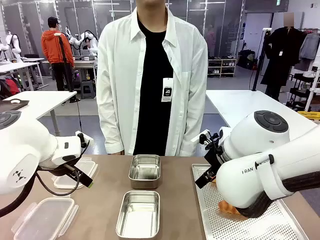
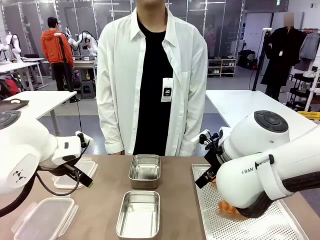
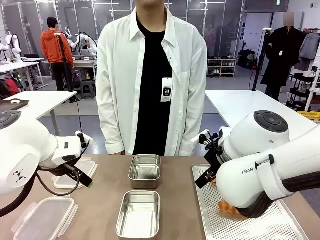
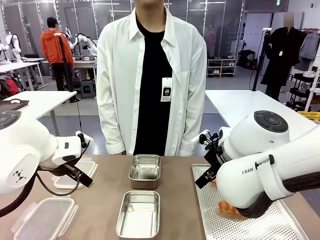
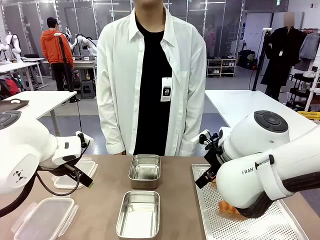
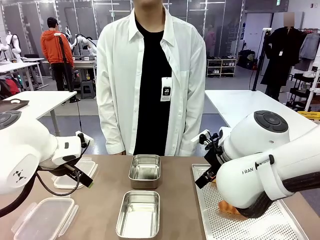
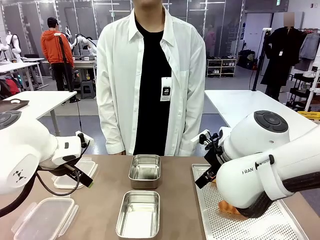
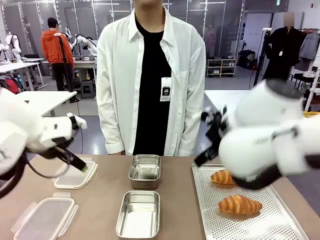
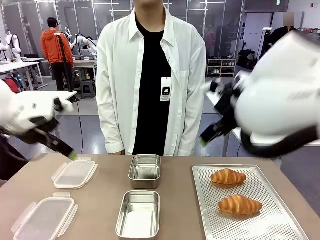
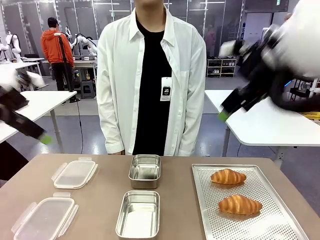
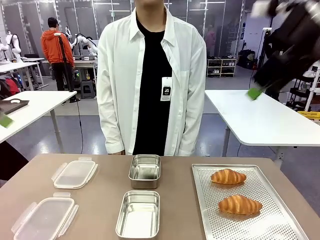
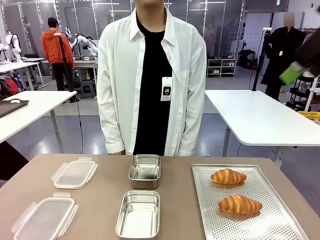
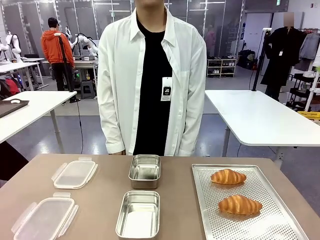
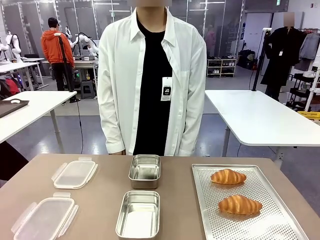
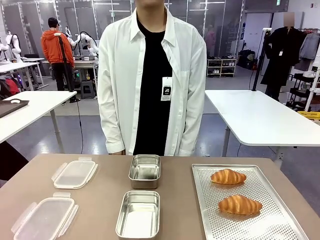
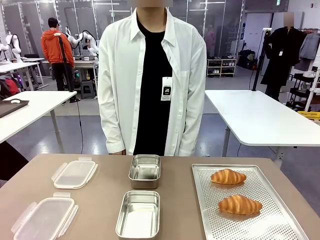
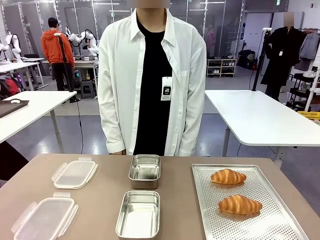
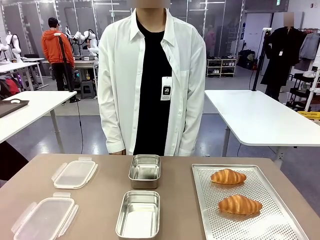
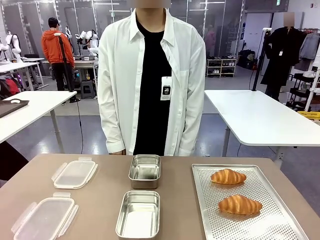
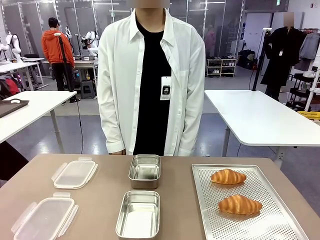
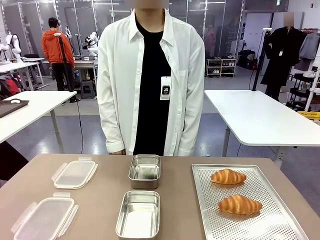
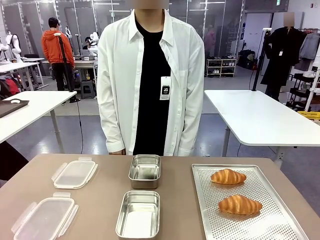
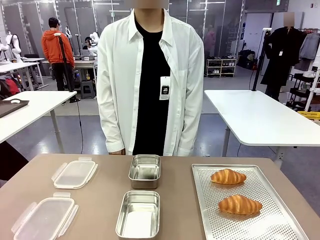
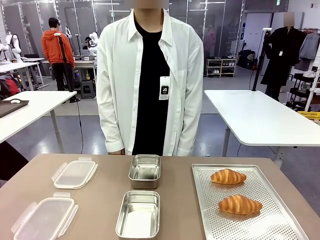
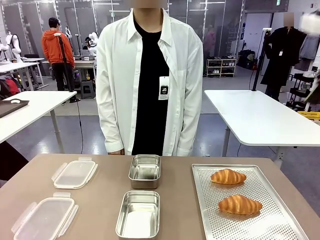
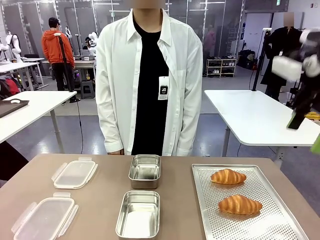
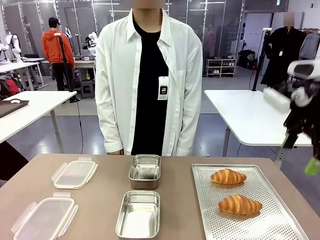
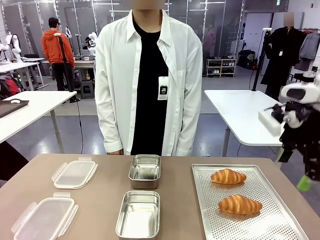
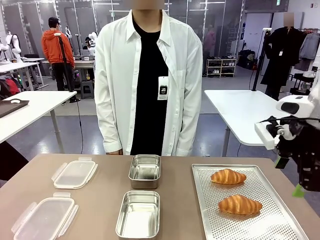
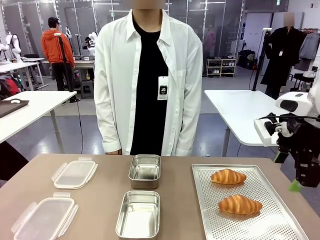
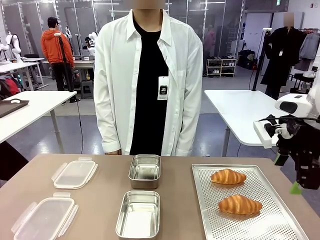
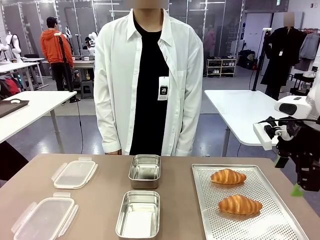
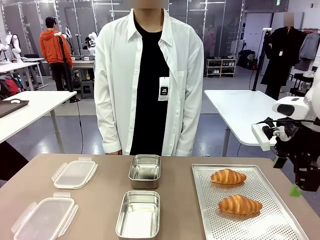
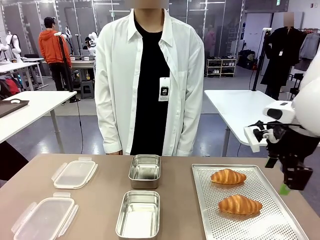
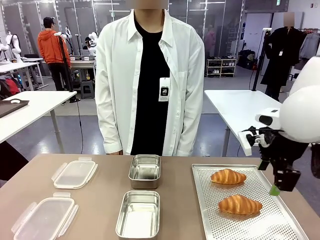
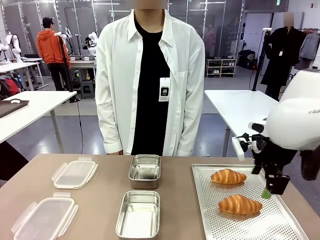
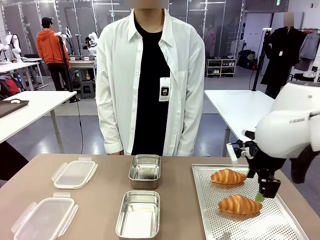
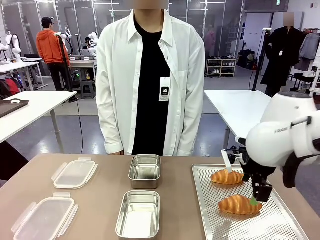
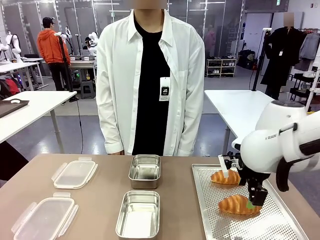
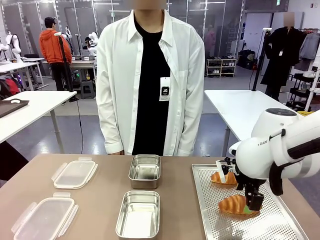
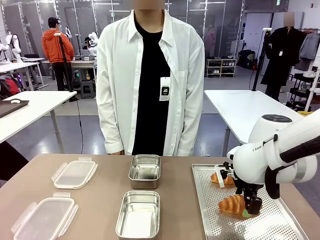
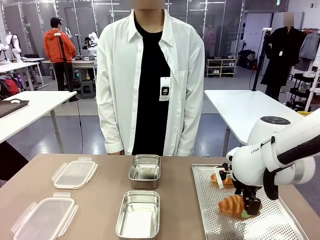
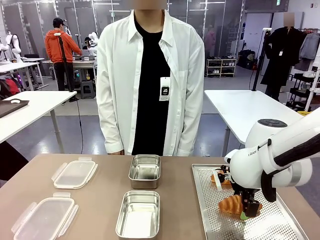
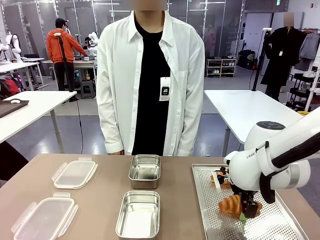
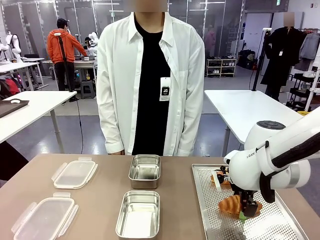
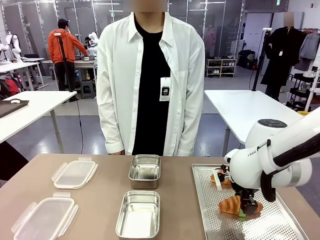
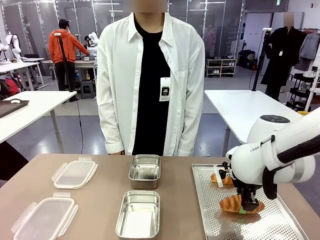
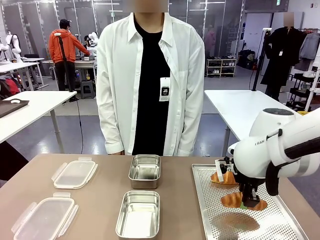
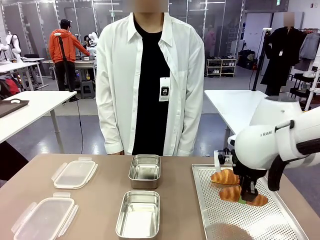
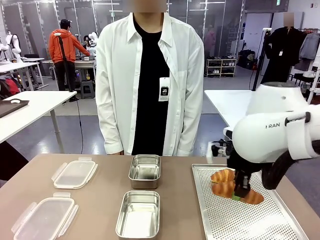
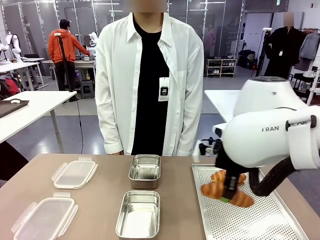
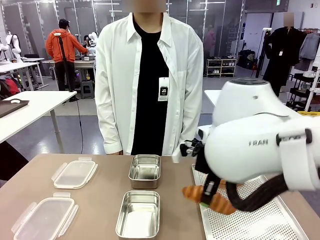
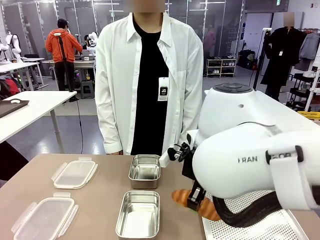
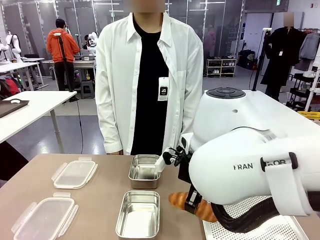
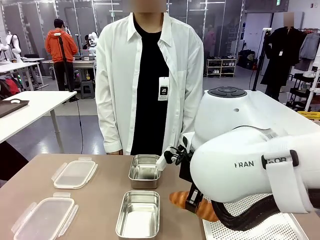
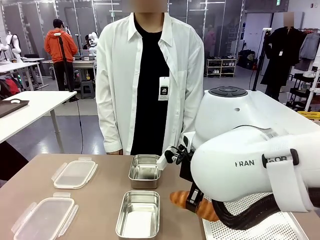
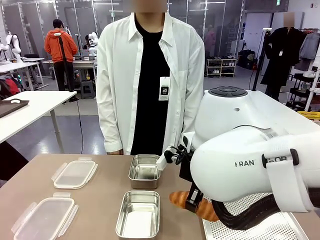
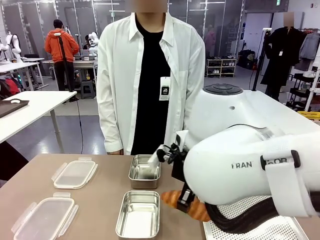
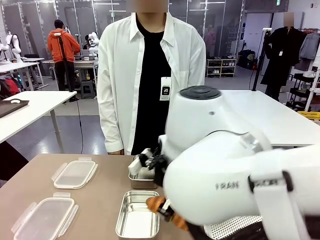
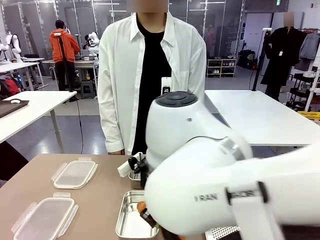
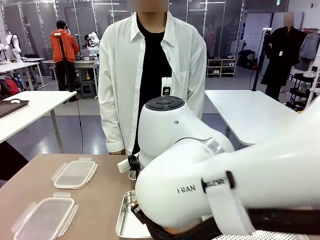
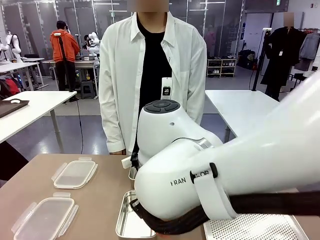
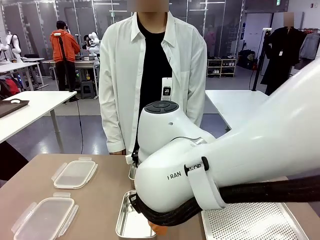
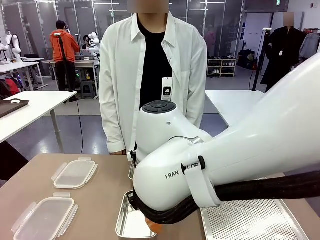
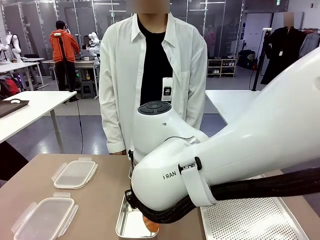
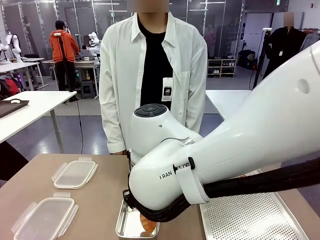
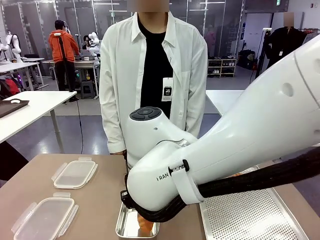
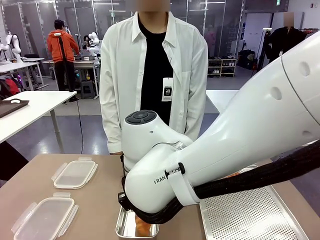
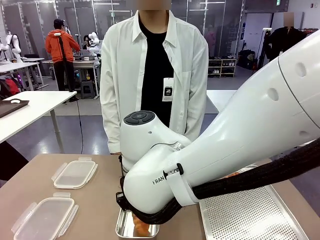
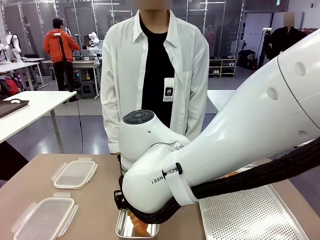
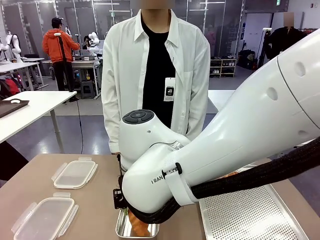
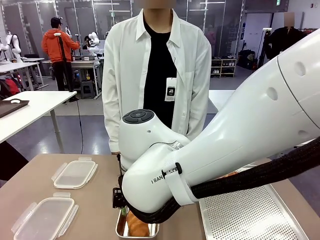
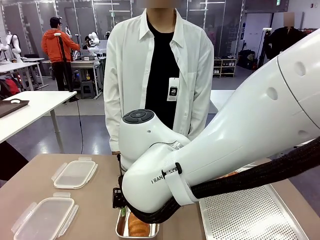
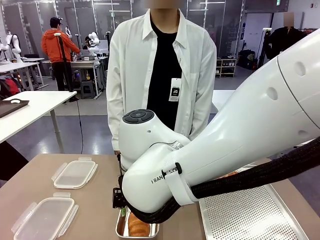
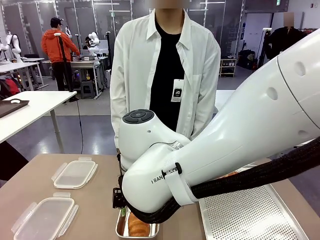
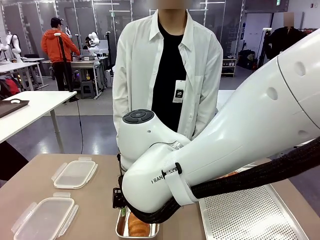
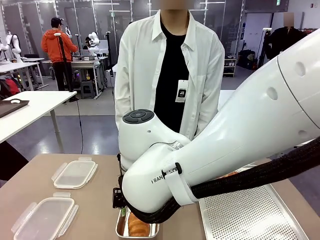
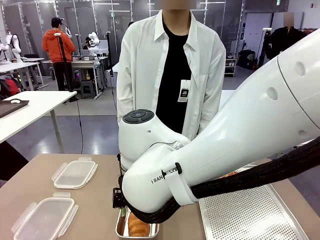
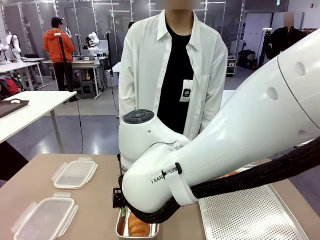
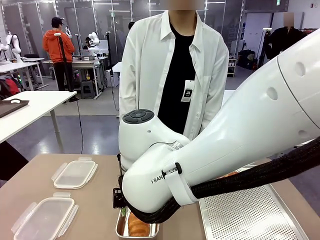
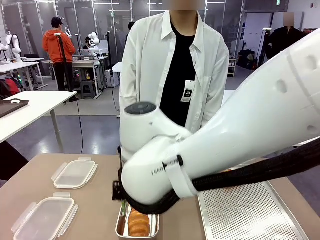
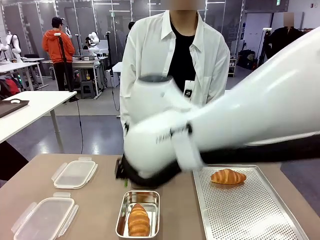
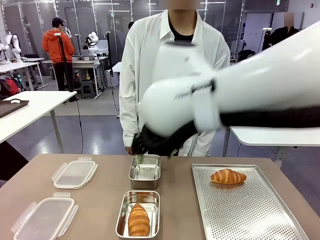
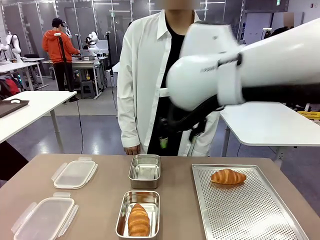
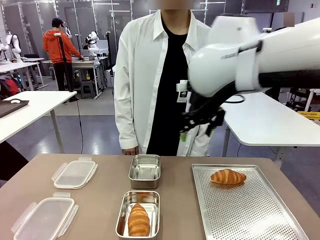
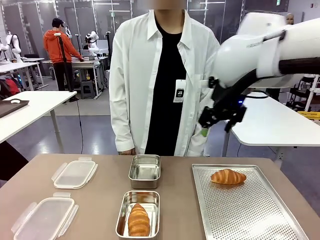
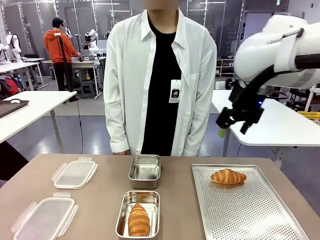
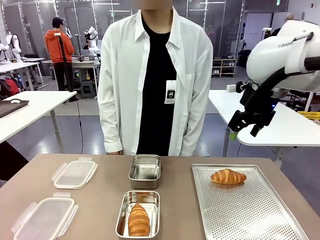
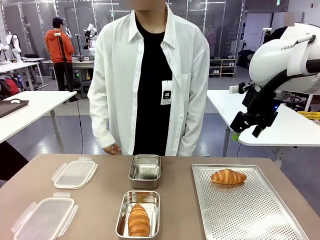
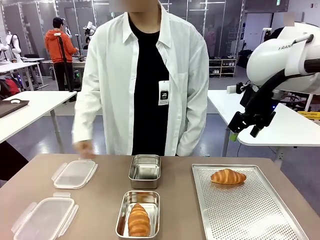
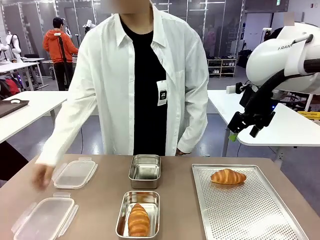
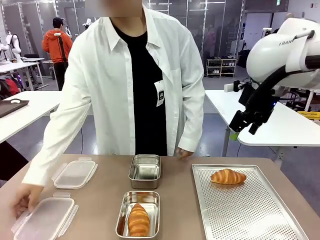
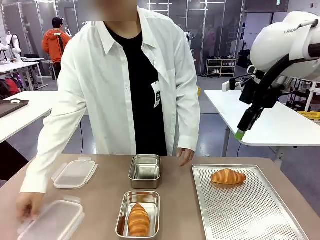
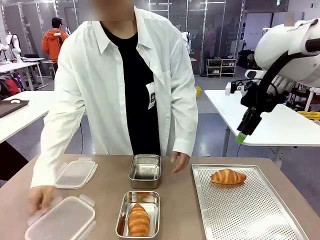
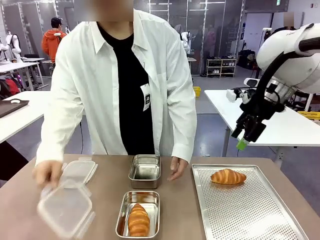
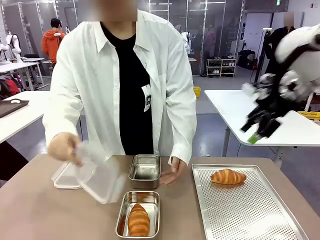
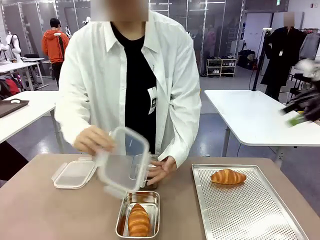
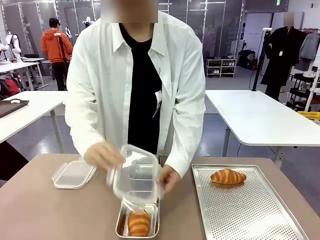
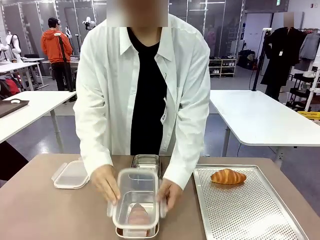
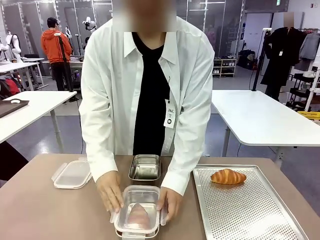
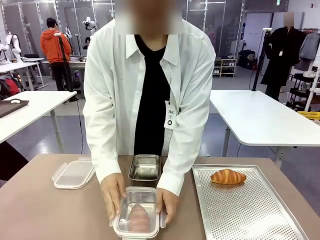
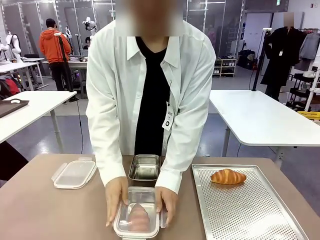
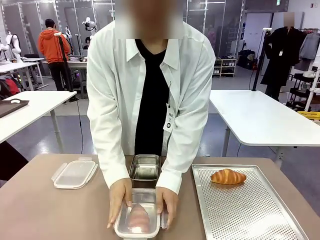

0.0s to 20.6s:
Task: Place the bread into the airtight container.
Robot: Pick up a Butter Roll and place it into an empty Airtight Container.
